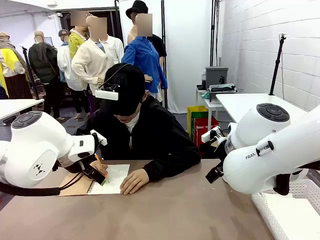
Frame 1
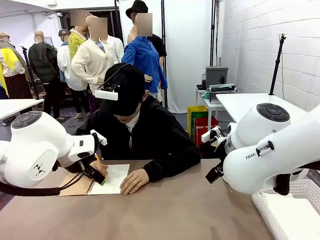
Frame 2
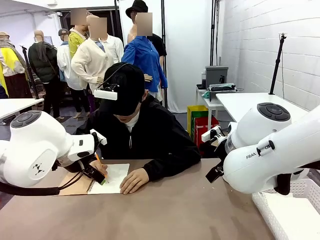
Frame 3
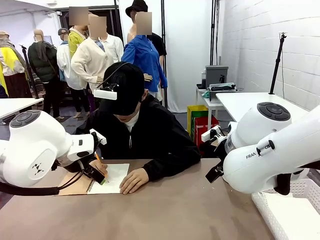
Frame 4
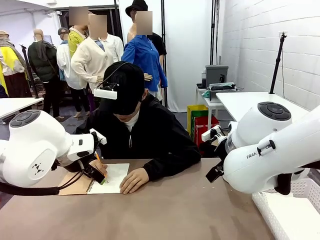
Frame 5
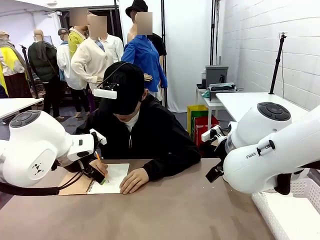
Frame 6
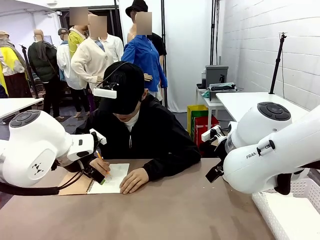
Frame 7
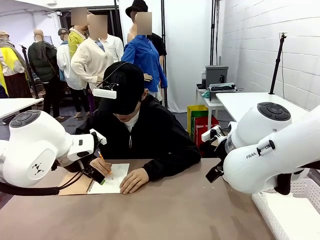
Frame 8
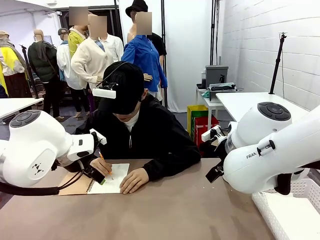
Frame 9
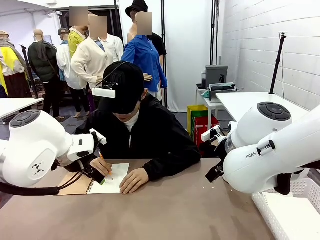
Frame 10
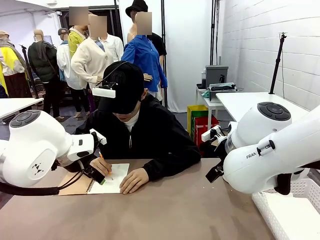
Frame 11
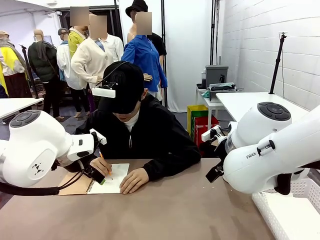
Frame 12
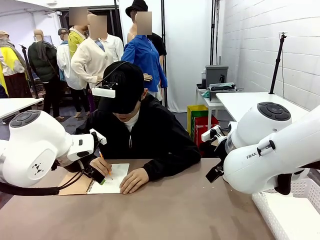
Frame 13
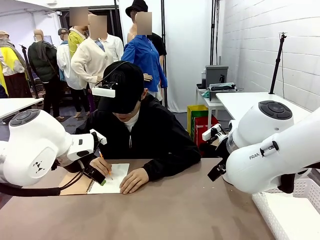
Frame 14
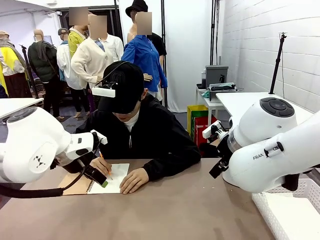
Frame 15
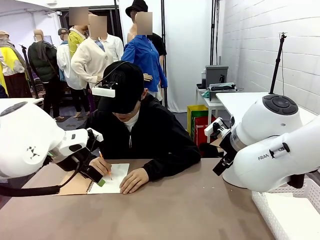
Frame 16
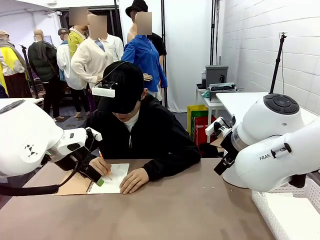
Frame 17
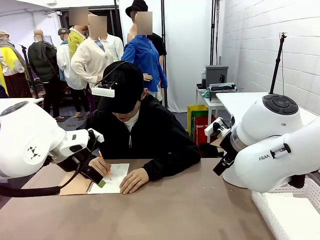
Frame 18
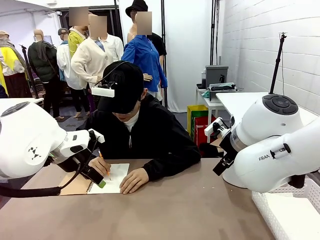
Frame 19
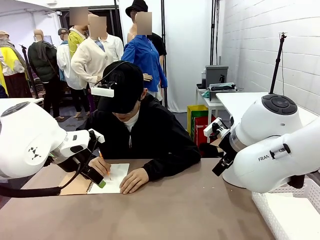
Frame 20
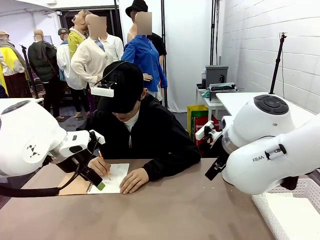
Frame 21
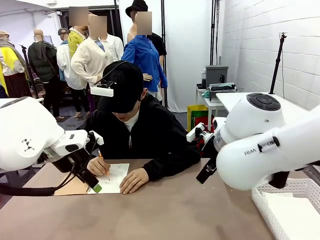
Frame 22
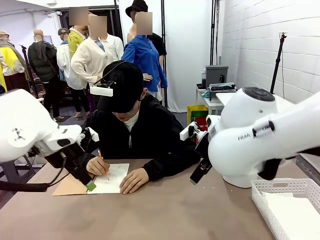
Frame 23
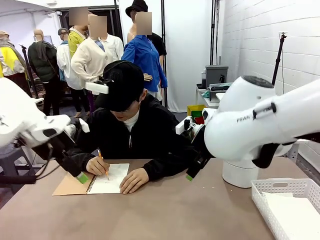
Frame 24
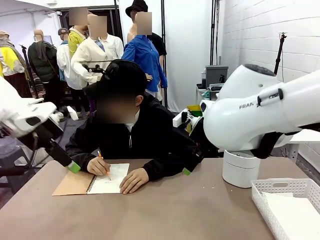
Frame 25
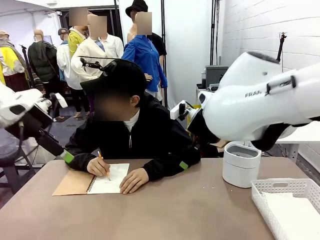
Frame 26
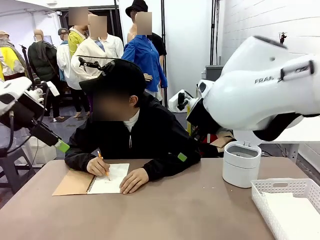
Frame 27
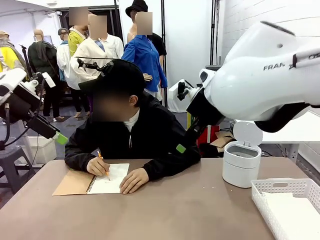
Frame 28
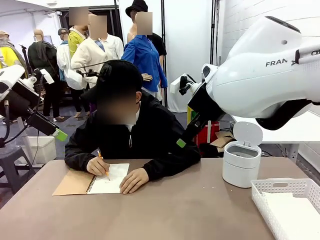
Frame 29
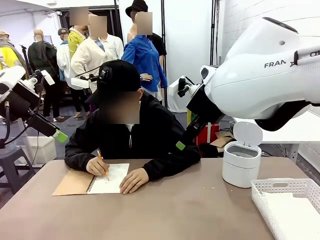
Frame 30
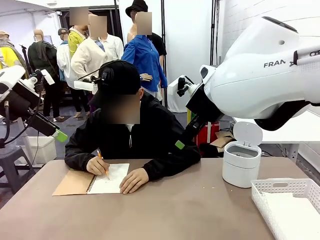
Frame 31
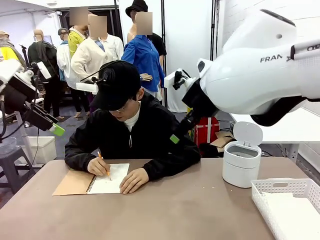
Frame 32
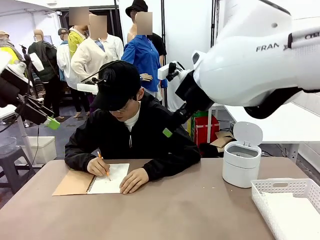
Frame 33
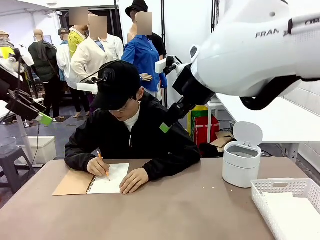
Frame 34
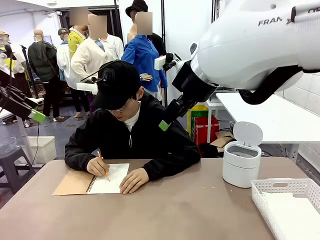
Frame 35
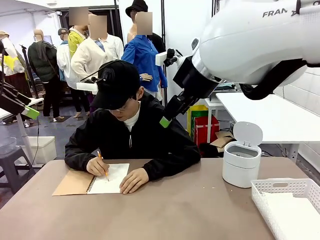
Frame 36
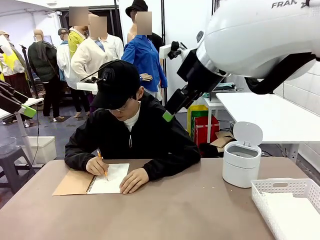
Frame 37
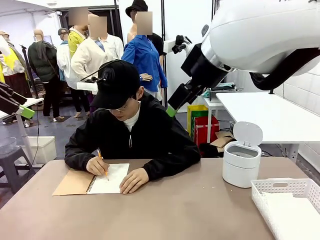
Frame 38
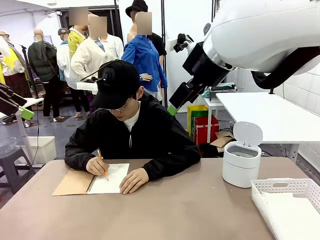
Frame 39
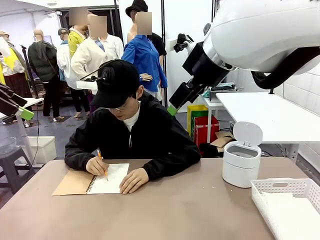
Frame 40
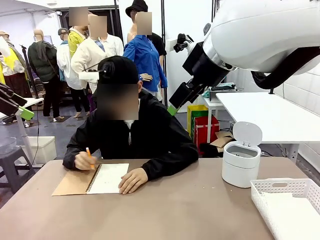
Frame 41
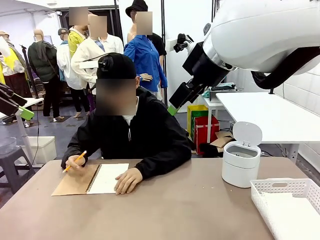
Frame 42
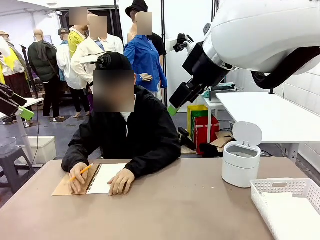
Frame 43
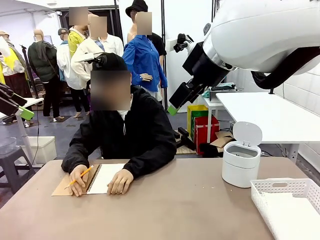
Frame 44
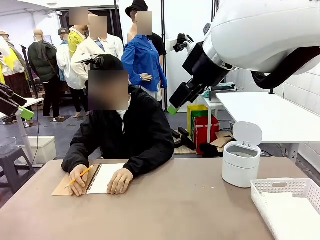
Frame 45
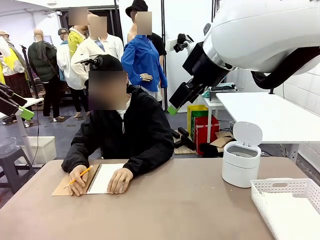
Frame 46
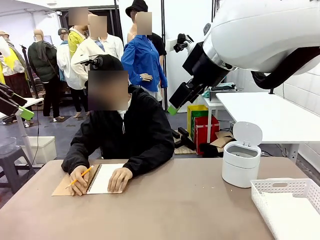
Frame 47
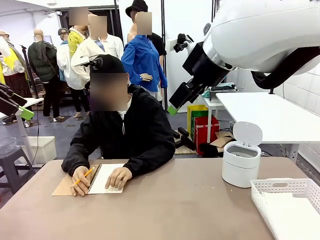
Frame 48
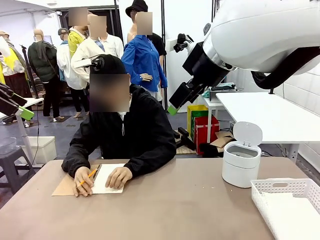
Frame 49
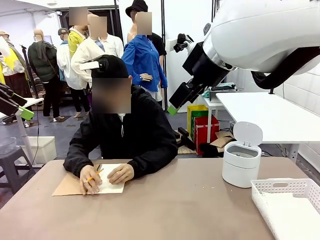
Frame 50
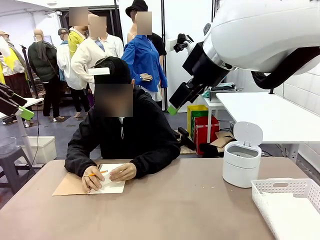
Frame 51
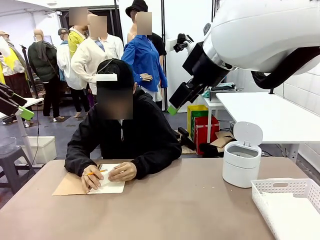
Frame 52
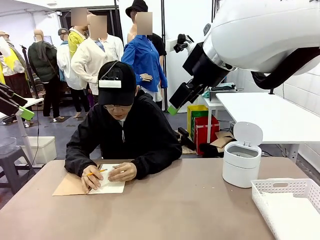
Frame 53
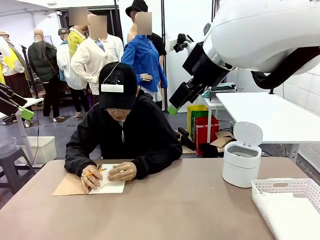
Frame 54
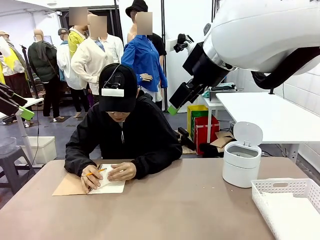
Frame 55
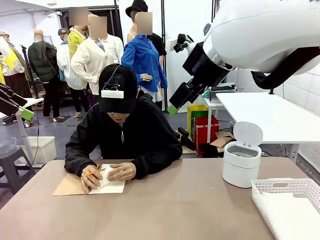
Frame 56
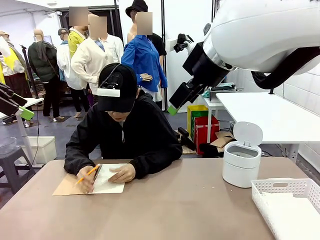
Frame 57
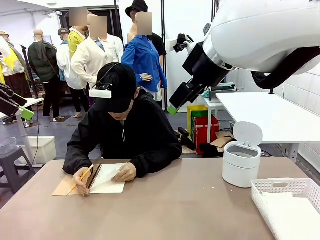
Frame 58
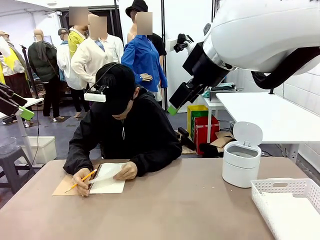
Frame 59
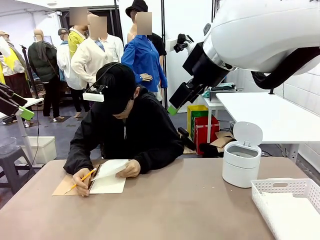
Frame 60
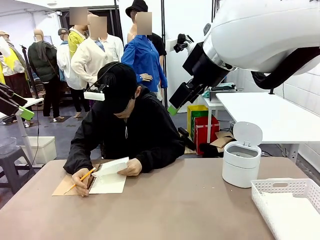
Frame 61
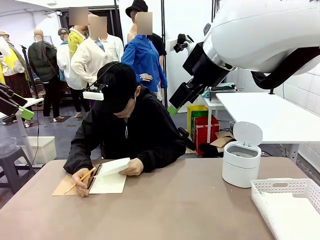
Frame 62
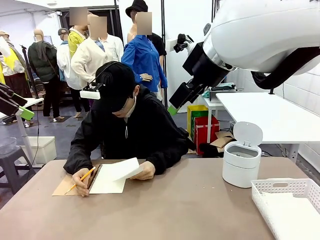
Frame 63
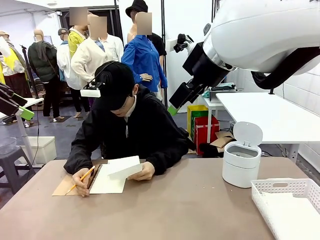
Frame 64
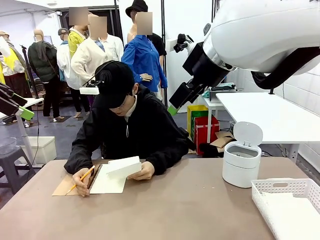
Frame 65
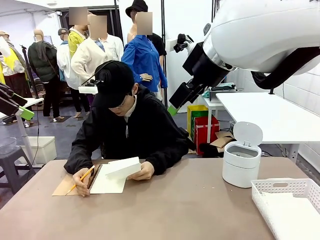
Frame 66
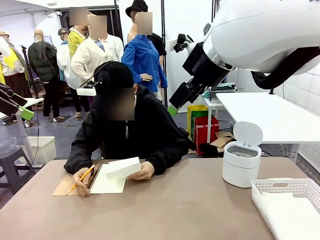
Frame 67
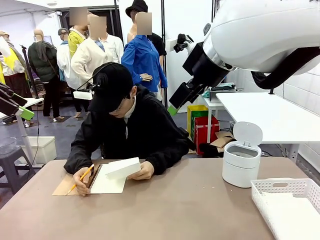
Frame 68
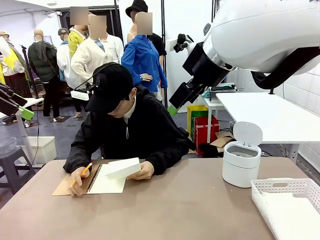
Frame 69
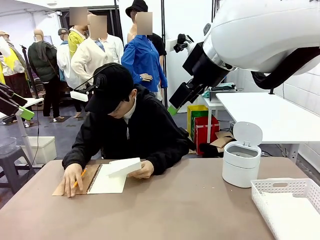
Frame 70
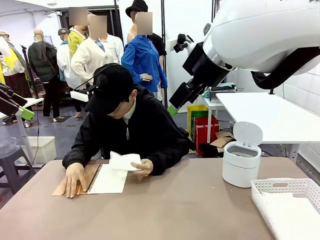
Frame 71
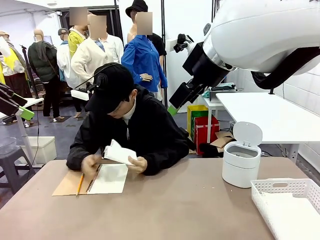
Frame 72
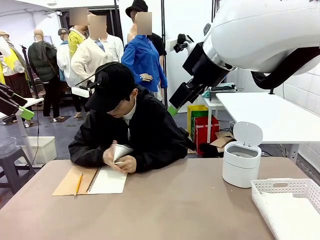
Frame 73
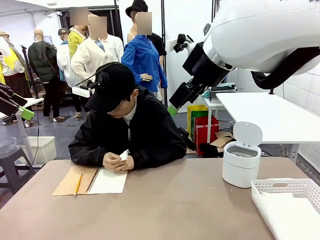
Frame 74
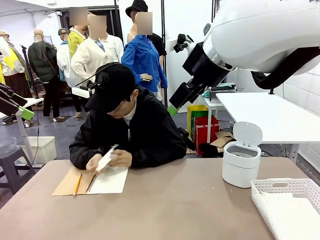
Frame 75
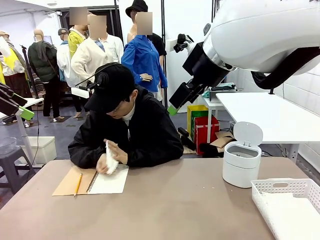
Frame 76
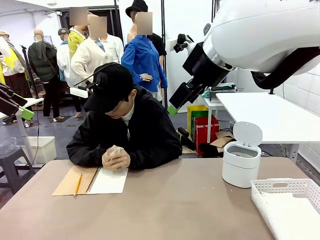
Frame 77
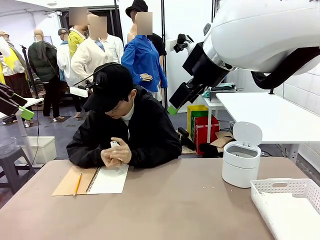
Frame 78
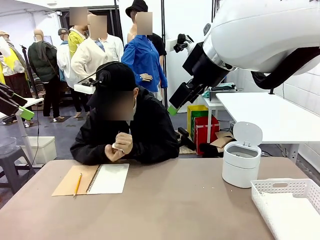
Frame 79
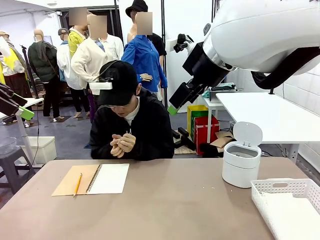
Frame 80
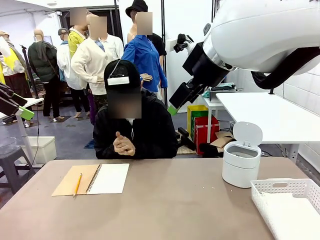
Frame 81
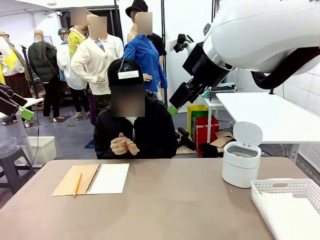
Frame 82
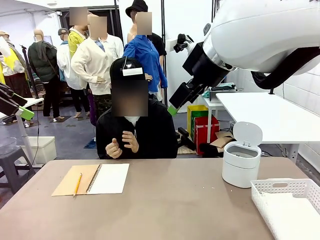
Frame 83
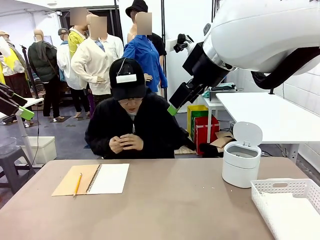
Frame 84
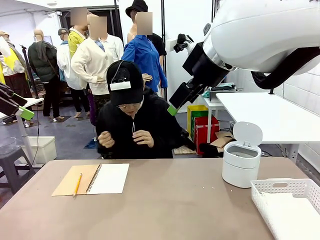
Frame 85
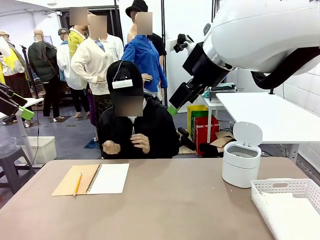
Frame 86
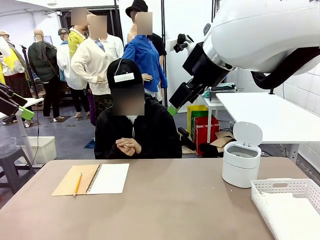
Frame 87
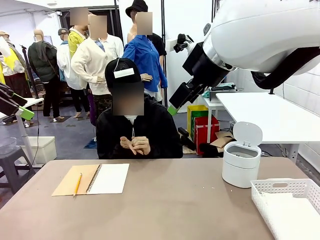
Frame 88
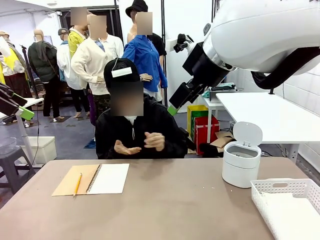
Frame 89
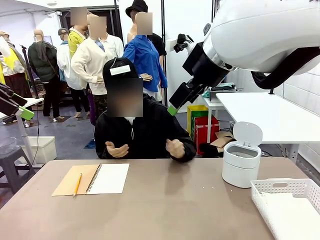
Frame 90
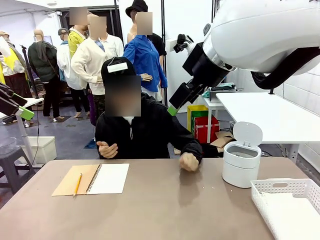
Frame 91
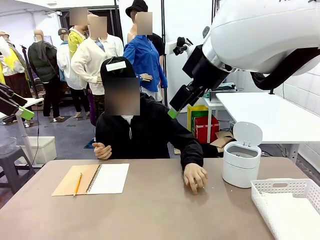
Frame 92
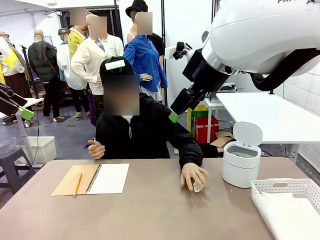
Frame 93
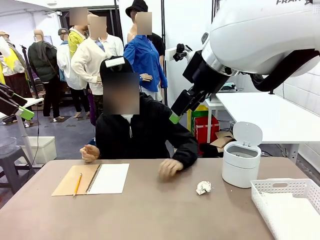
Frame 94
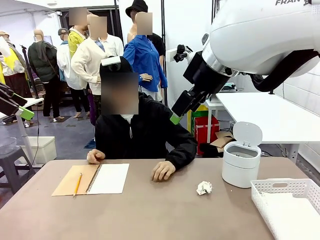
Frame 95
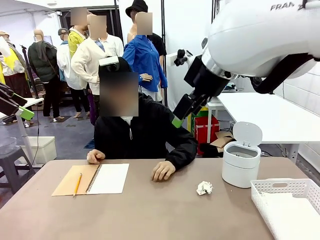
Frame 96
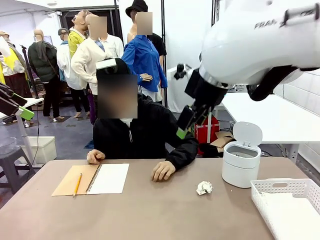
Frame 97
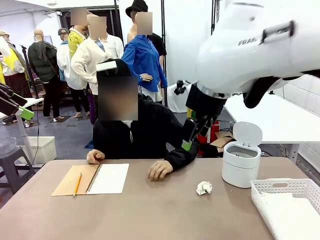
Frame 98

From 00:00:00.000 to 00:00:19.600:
Task: Sort the paper based on its condition.
Robot: If a person hands you a paper, place it in the Organizing basket , and if it's crumpled, put it in the Trash can.
Person: Tear out a page from the spiral notebook. Hand the torn page to the robot or crumple it and throw it to the center of the table.
